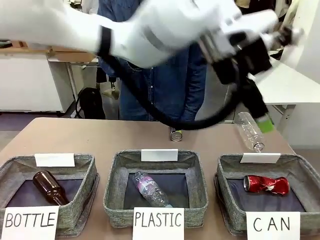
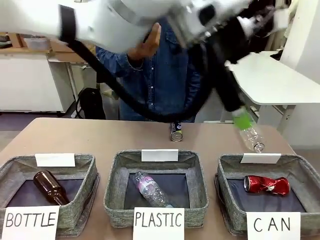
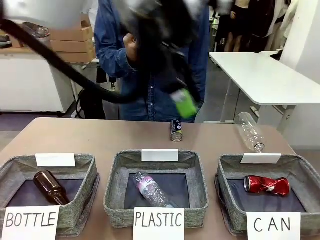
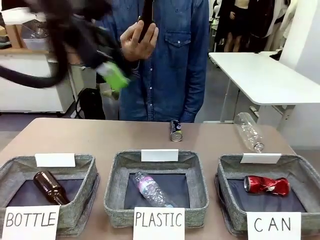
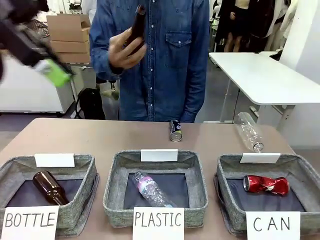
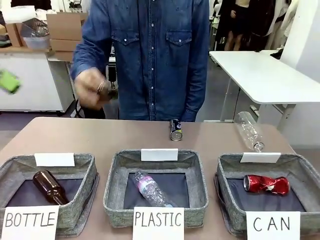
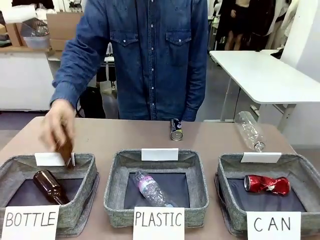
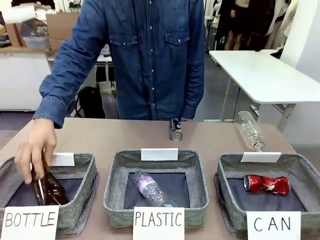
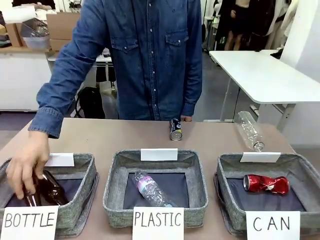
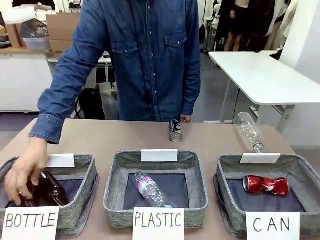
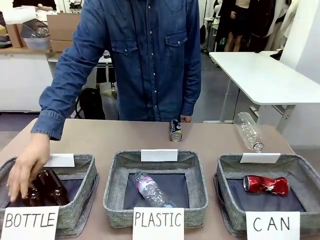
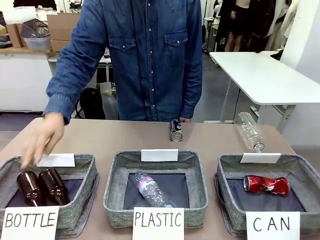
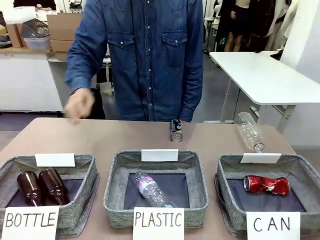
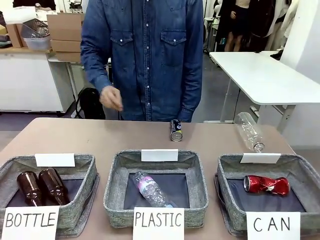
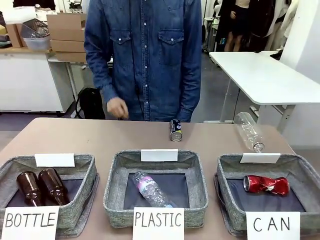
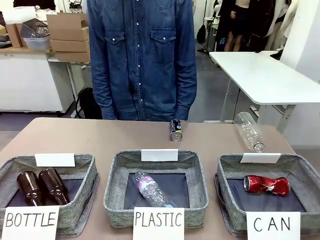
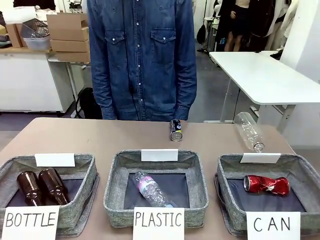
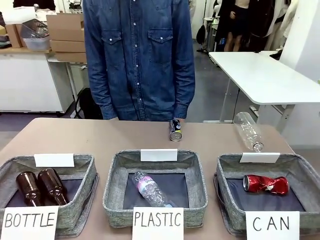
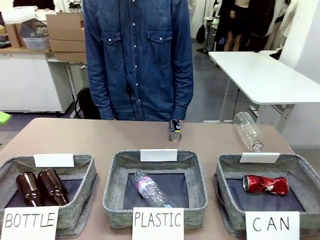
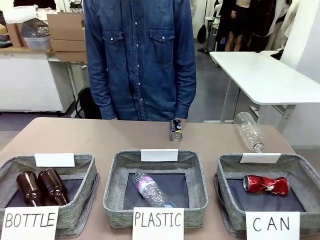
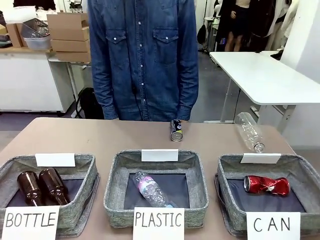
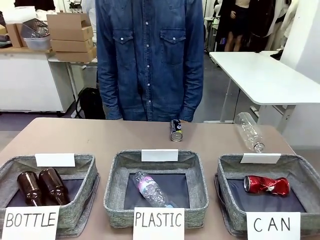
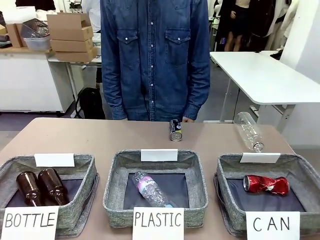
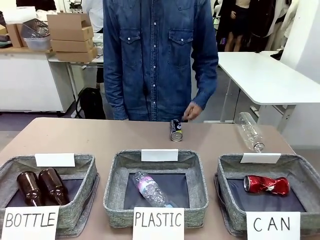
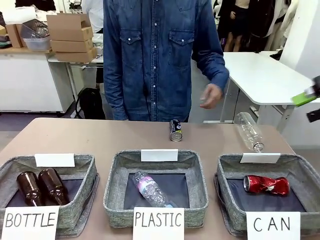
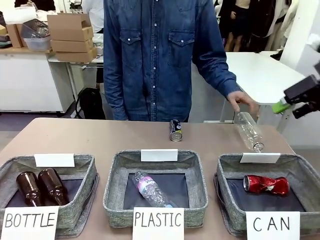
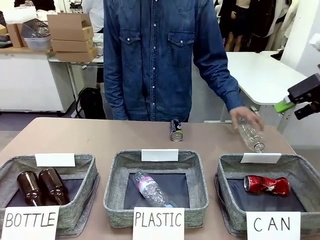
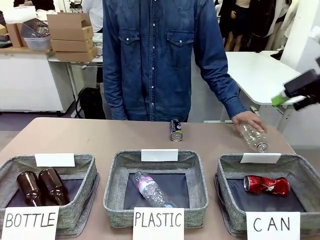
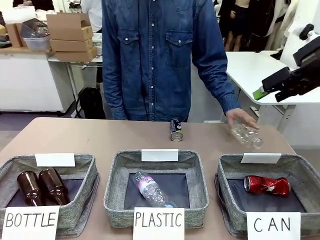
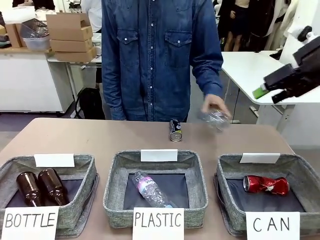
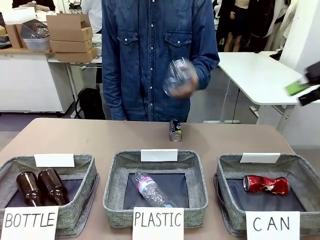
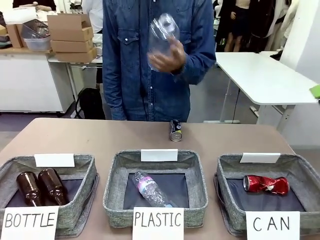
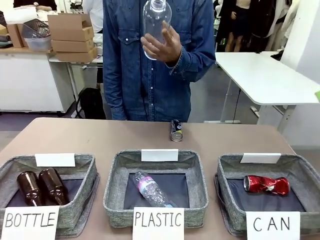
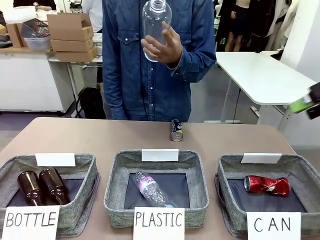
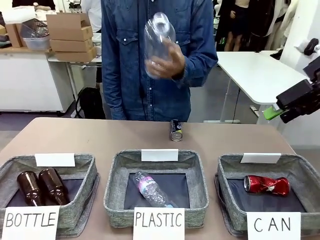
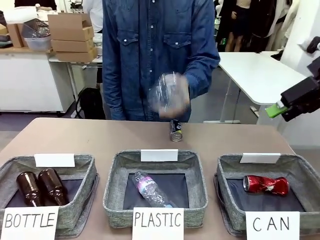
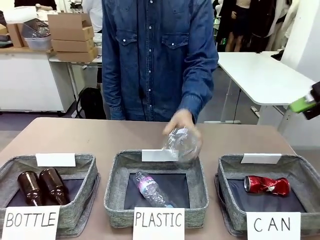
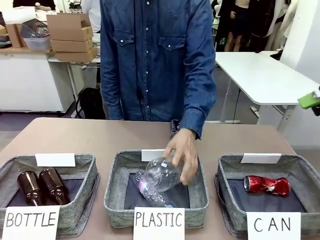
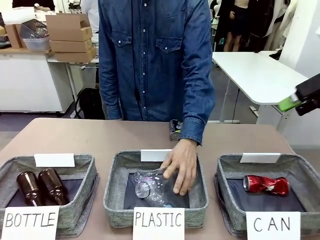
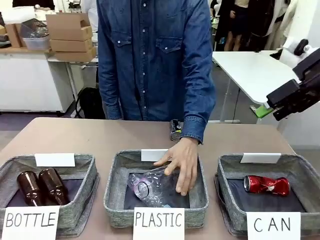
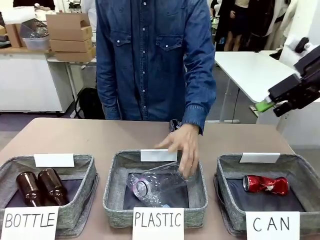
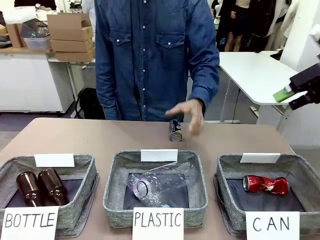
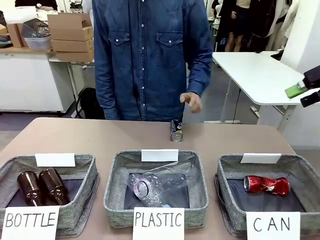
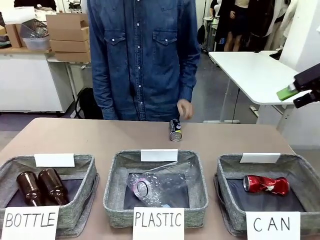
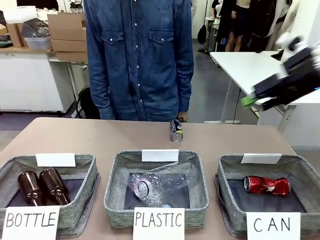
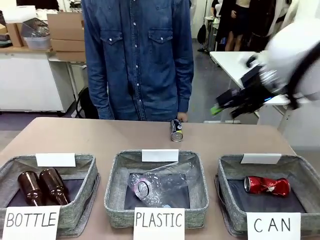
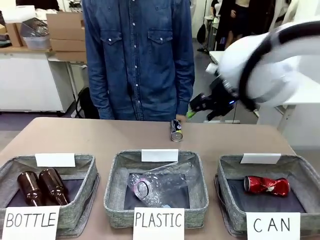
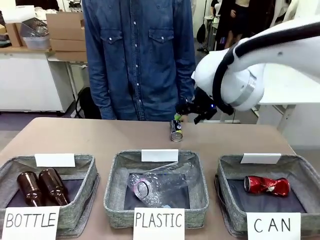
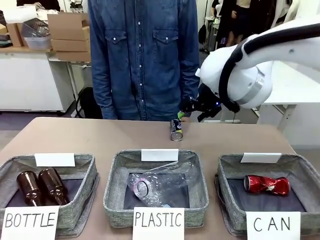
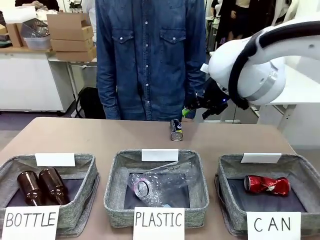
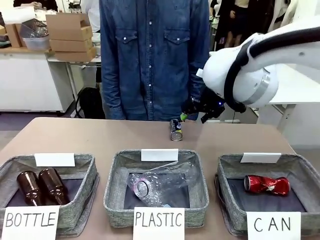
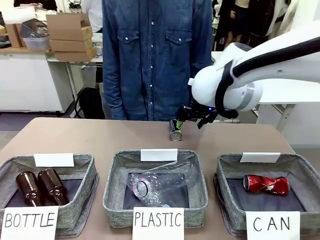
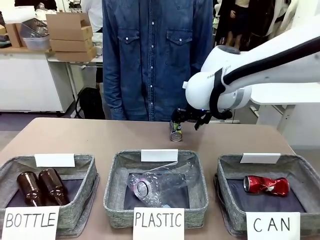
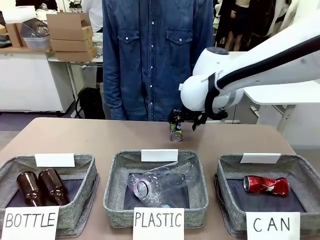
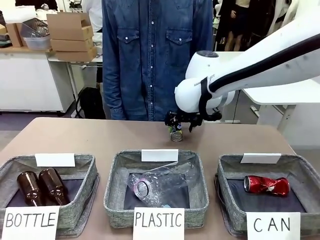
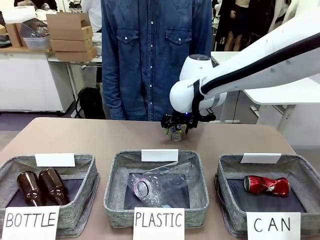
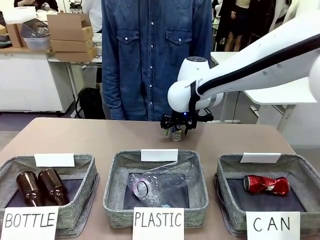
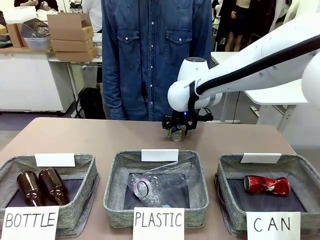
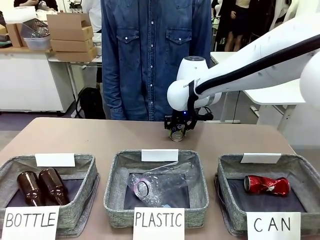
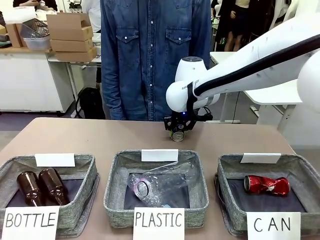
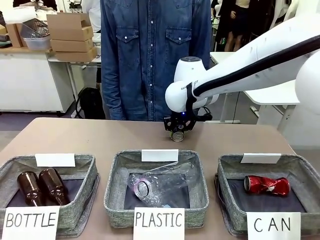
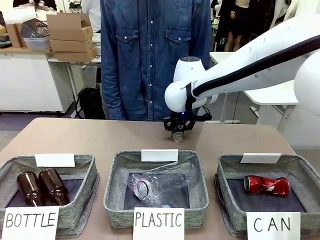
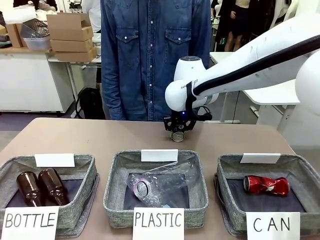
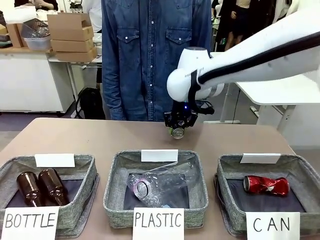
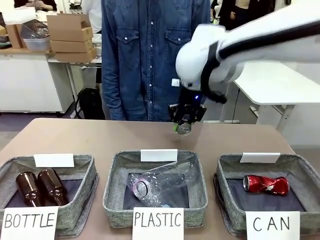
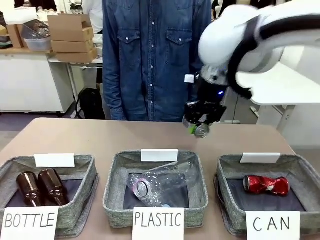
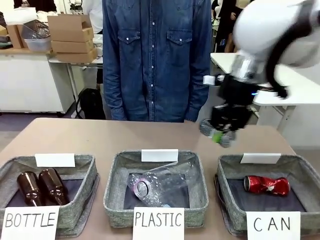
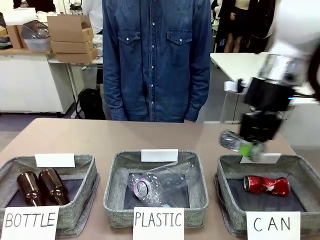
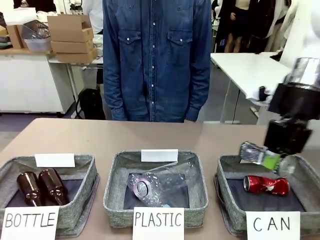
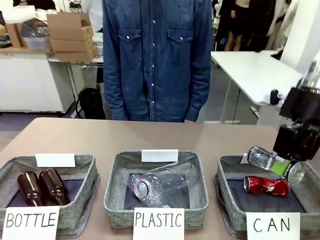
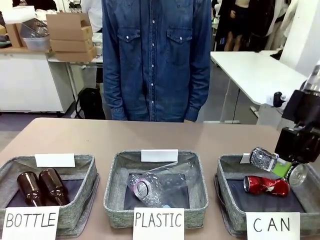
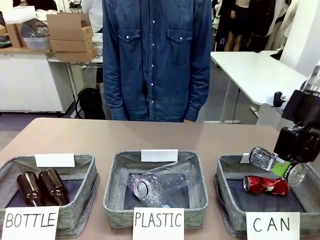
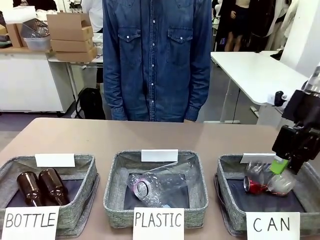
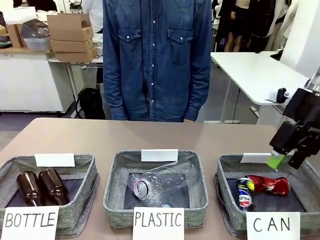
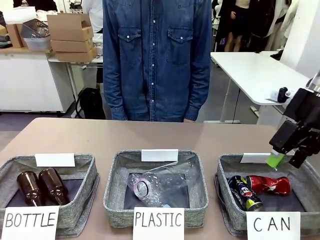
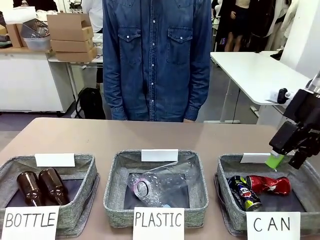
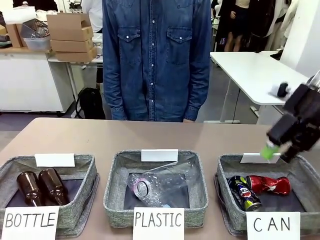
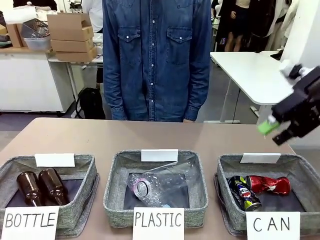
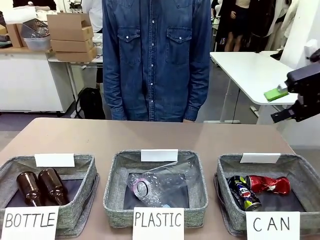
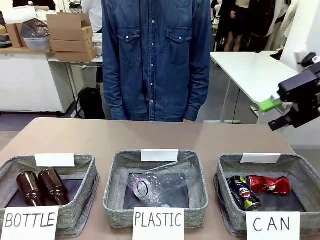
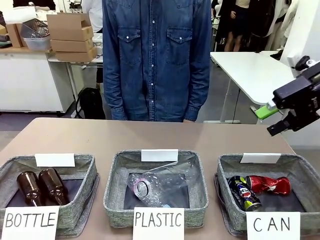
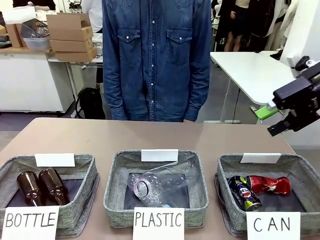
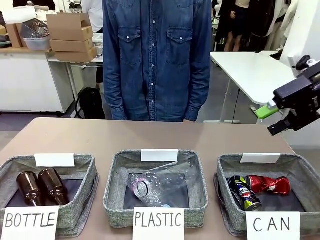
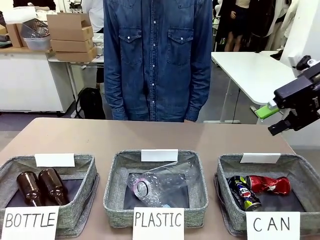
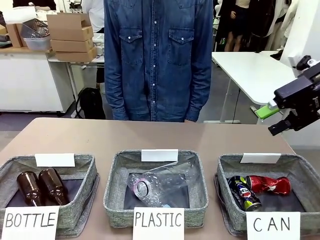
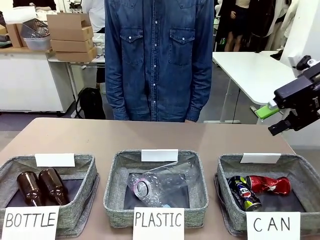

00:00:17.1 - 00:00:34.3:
Task: Sort the can waste into the basket.
Robot: Pick up the can waste from the table and place it in the right Fabric basket.
Person: The human picks up one piece of trash that is not a can and places the trash into the appropriate organizing basket.
